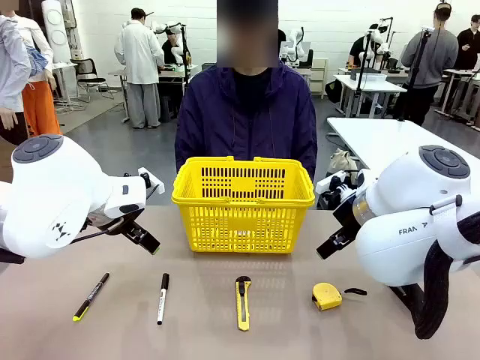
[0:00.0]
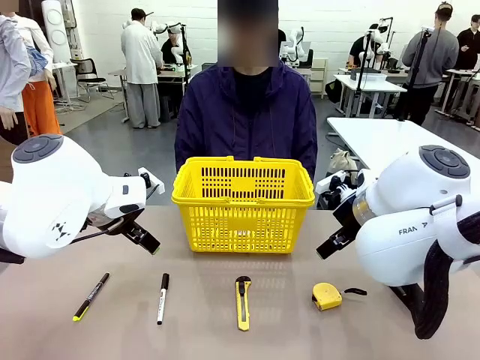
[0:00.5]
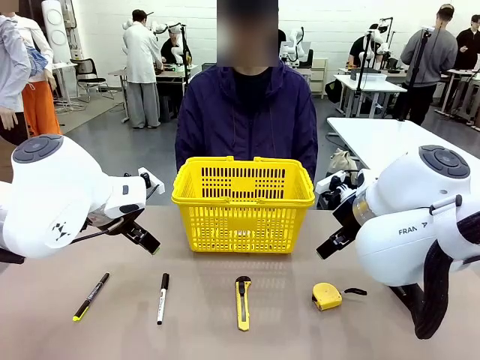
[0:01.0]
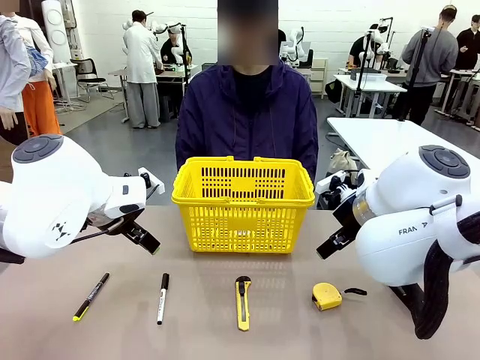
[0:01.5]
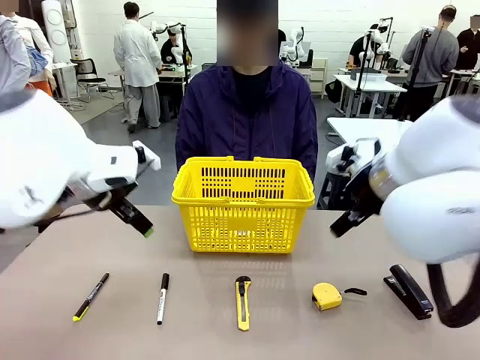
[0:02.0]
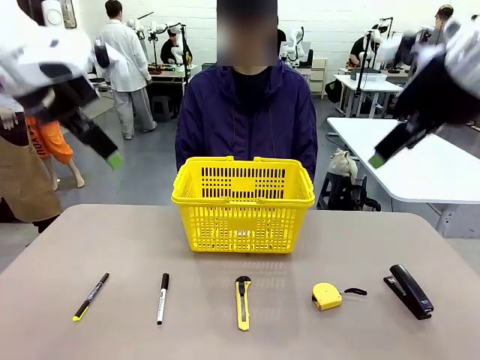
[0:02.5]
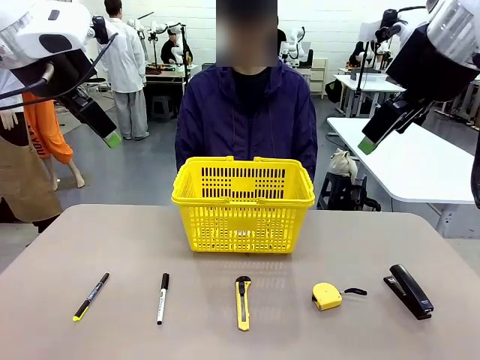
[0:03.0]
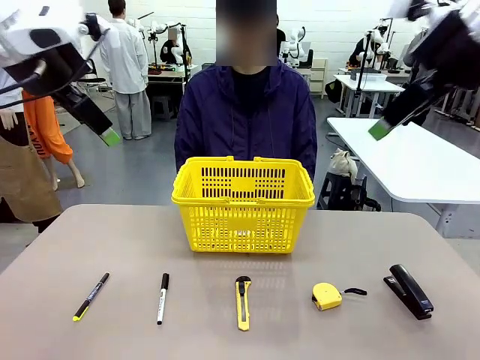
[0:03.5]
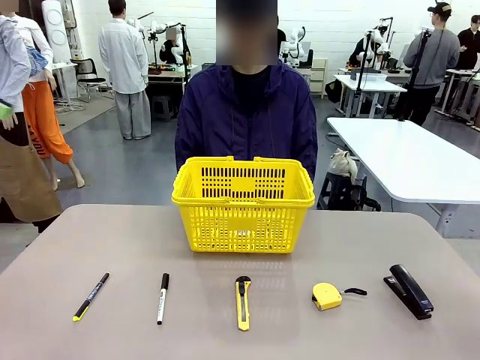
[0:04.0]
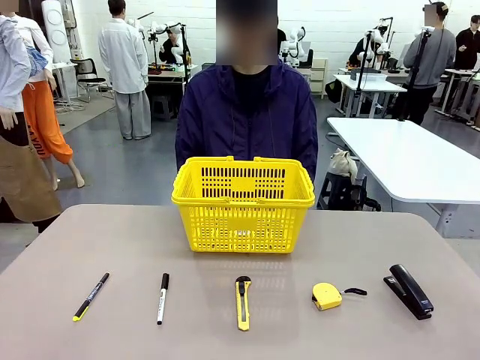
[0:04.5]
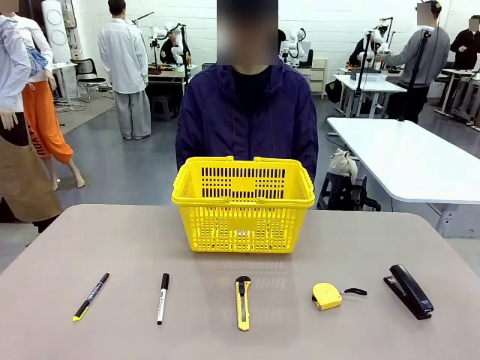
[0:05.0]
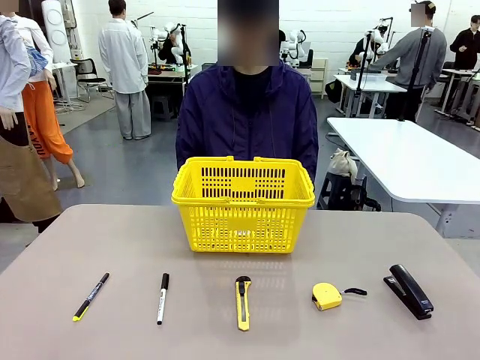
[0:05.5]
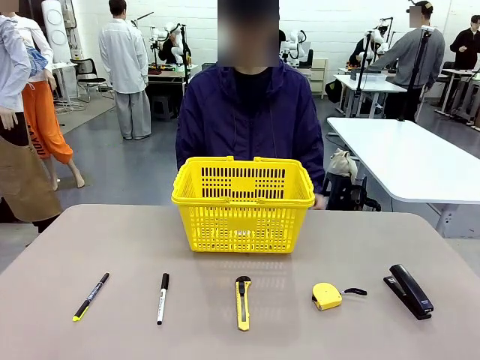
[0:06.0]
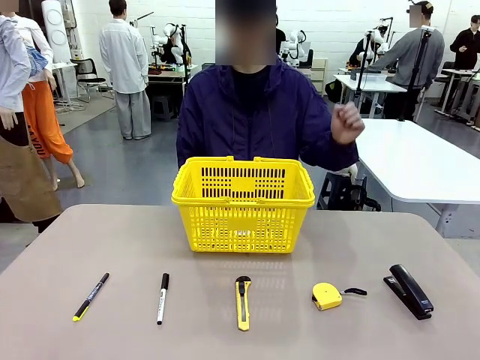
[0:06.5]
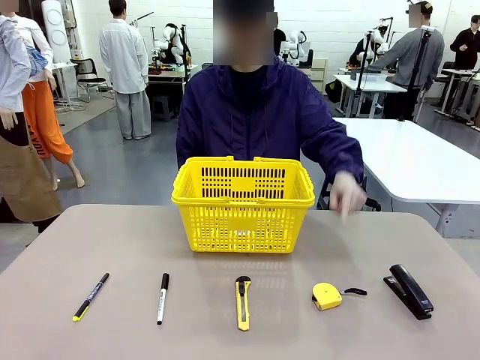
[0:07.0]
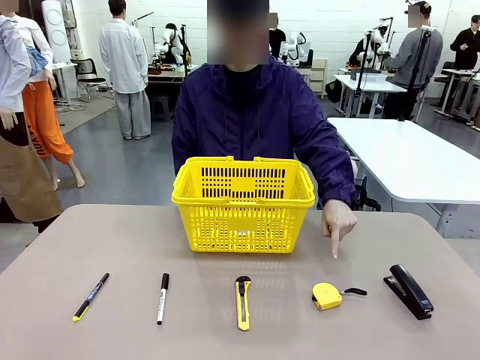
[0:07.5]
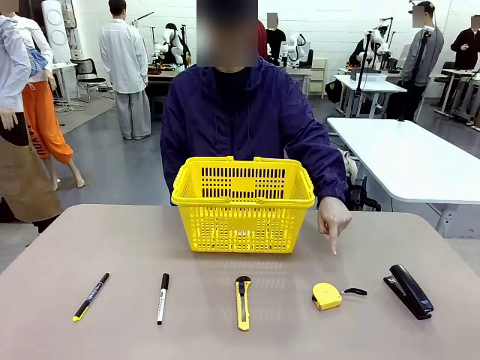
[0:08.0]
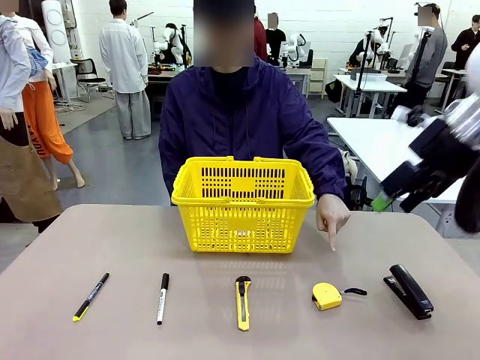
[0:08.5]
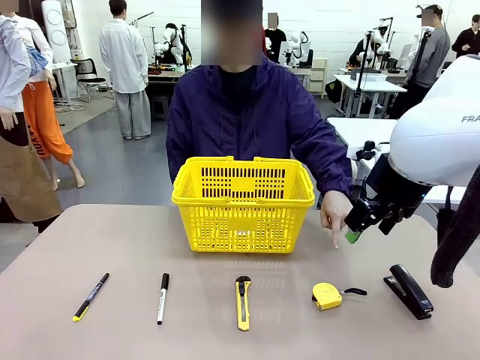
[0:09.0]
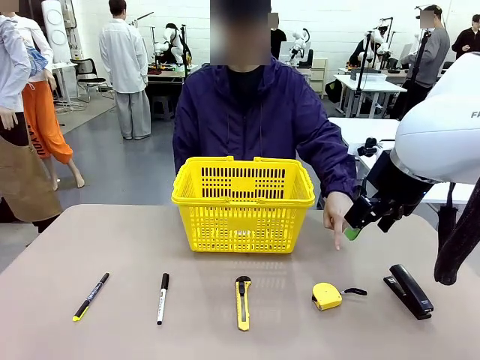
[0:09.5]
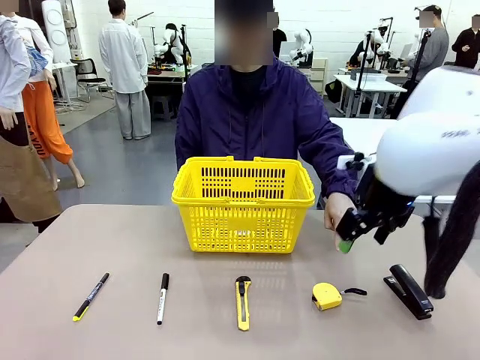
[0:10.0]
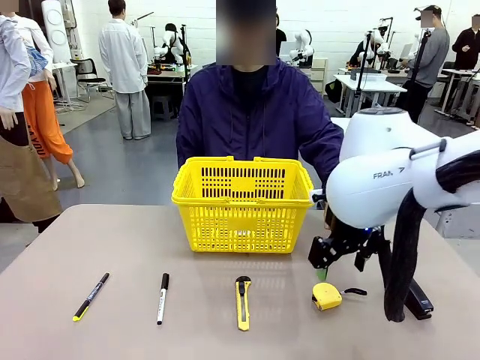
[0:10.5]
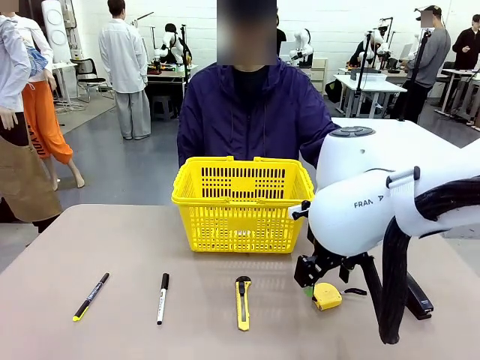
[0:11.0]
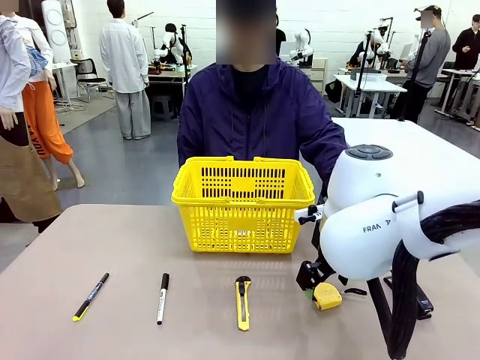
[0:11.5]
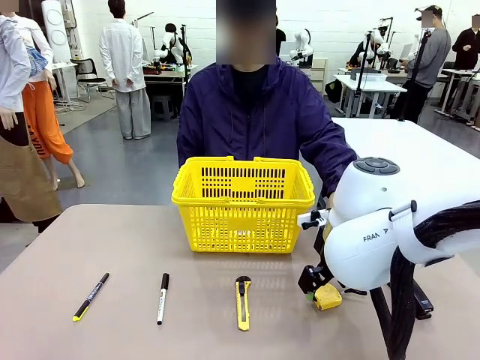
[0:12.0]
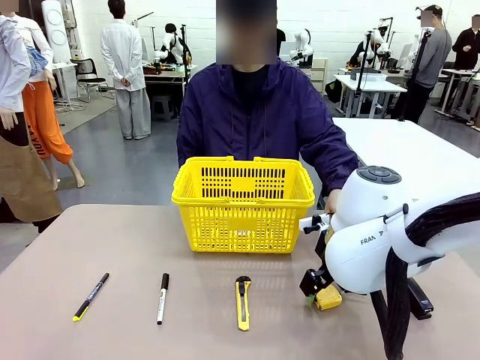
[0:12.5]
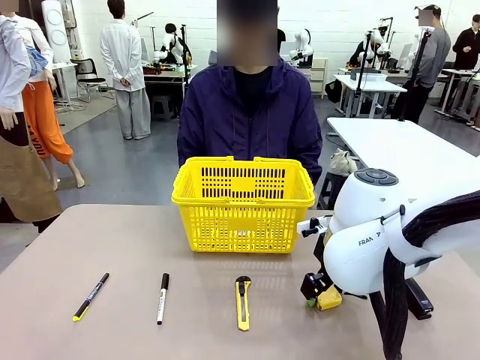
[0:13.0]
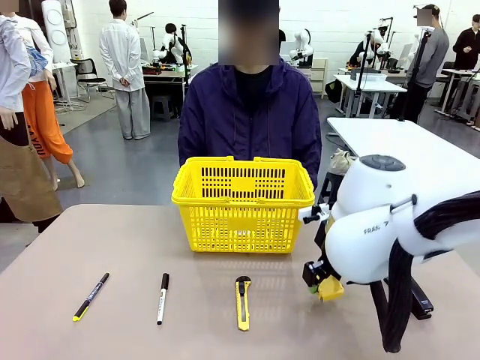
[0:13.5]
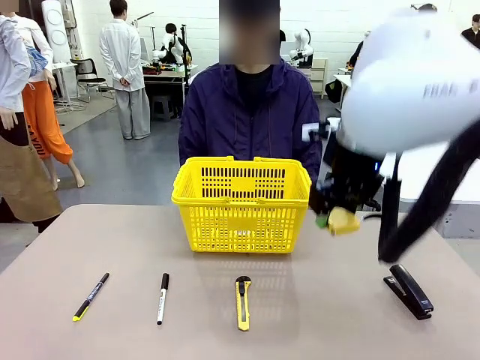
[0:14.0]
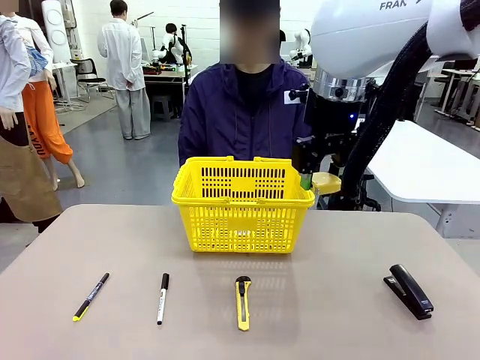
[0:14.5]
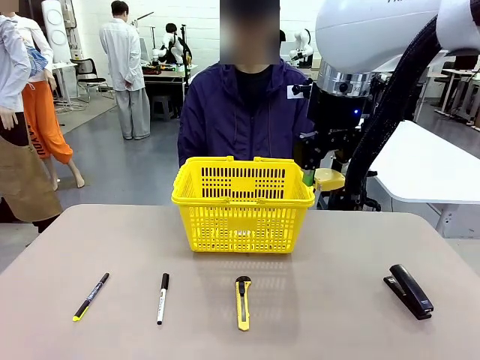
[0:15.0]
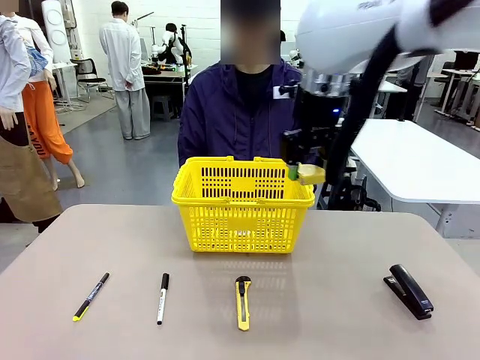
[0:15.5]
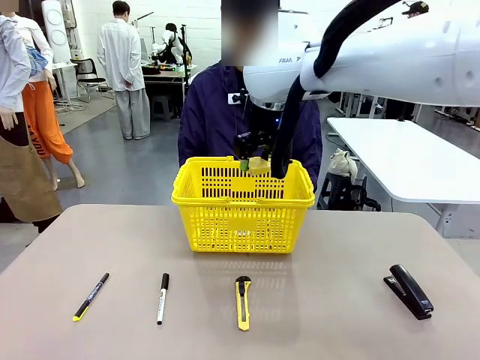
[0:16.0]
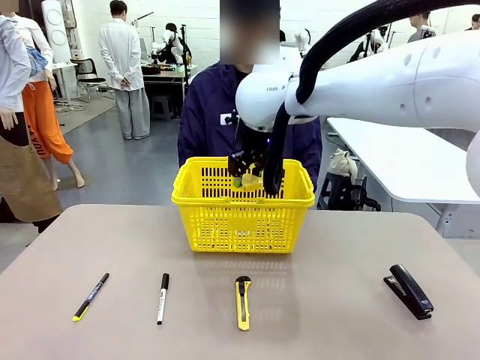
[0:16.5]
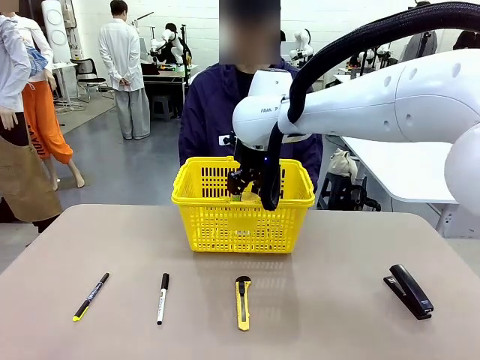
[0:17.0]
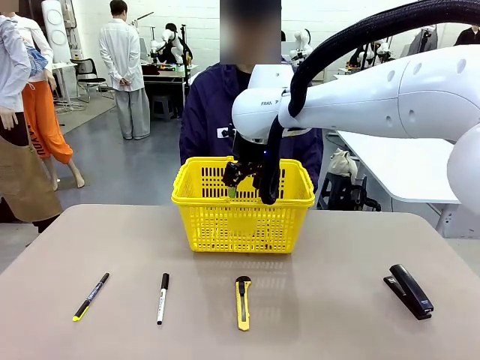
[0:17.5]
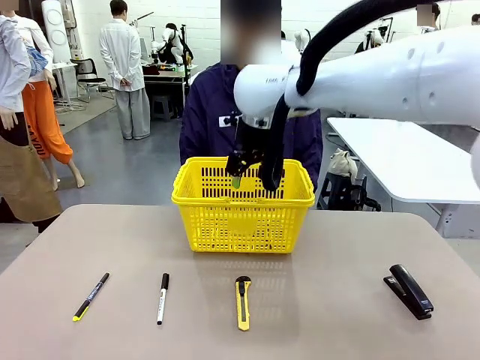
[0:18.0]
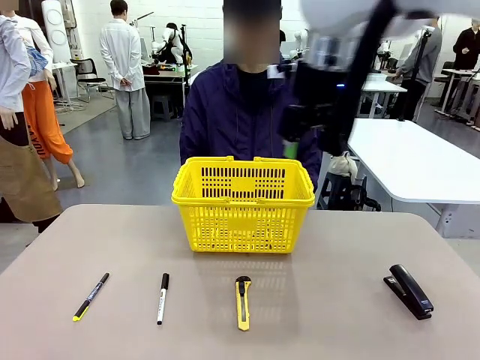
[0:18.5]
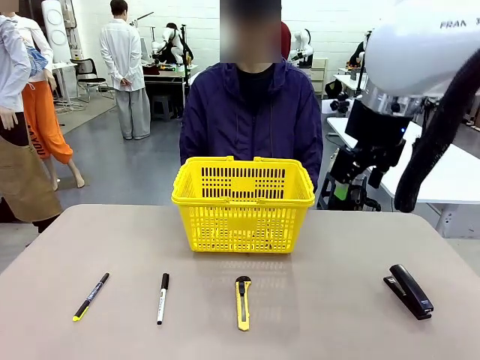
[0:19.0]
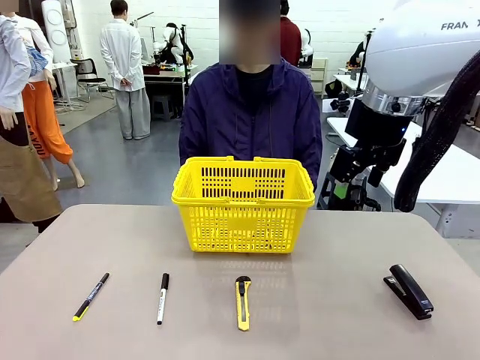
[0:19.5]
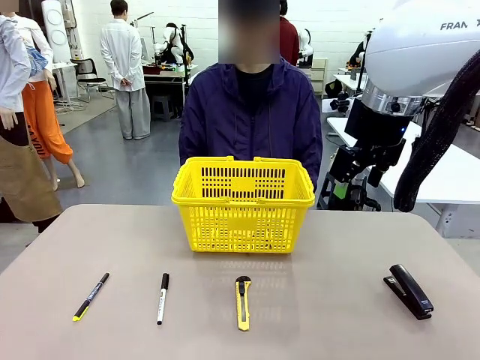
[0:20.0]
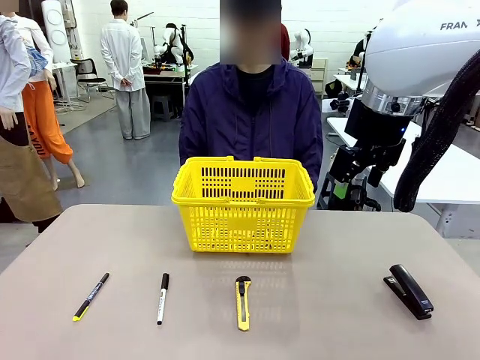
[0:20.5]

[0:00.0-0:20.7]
Task: Place the items the person wants into the basket.
Robot: Pick up the item the person points to and place it in the Market Basket.

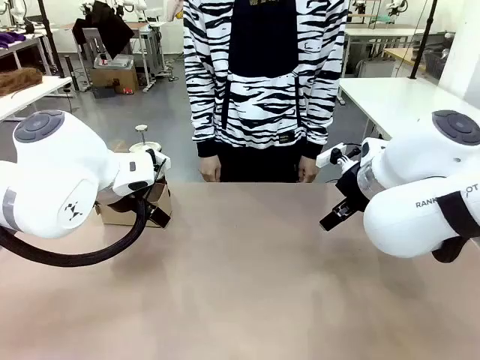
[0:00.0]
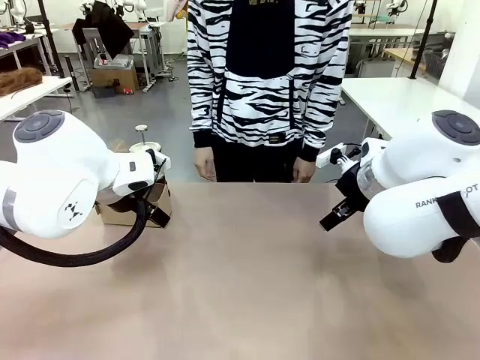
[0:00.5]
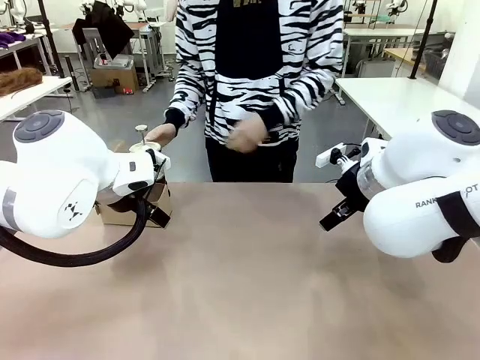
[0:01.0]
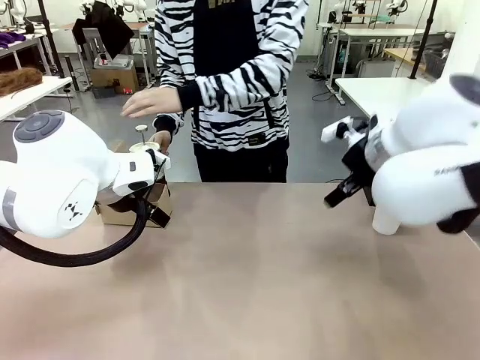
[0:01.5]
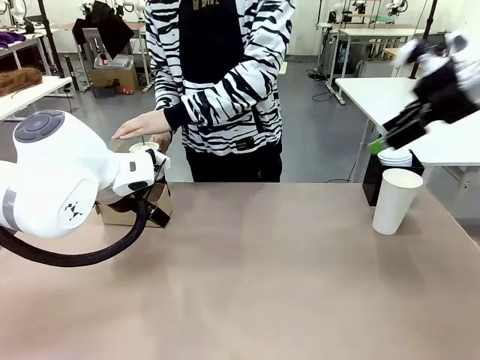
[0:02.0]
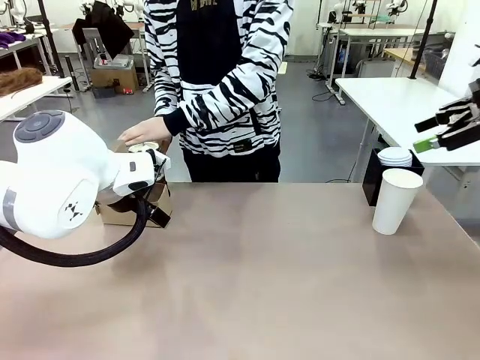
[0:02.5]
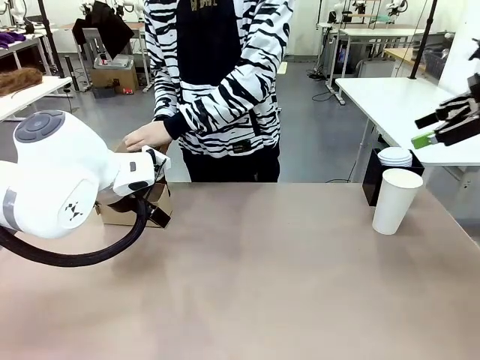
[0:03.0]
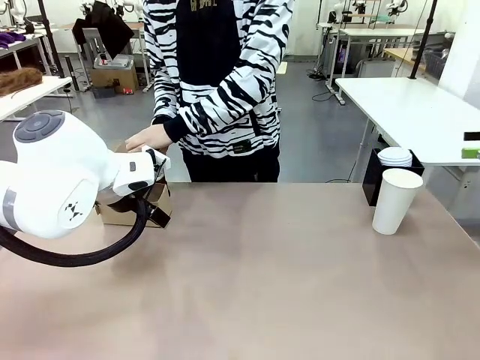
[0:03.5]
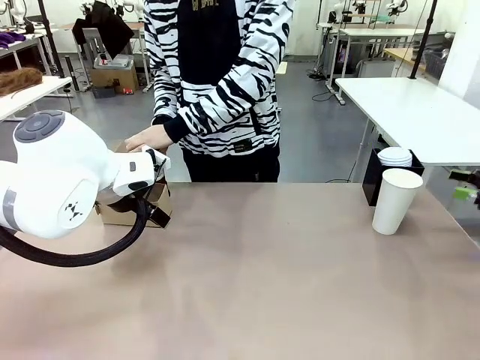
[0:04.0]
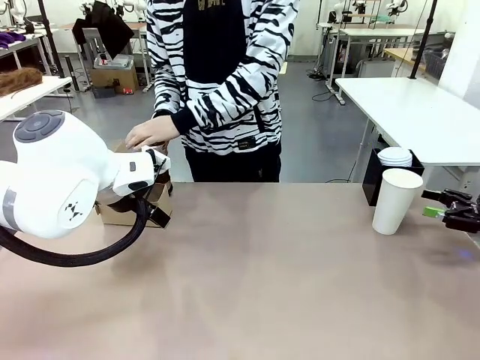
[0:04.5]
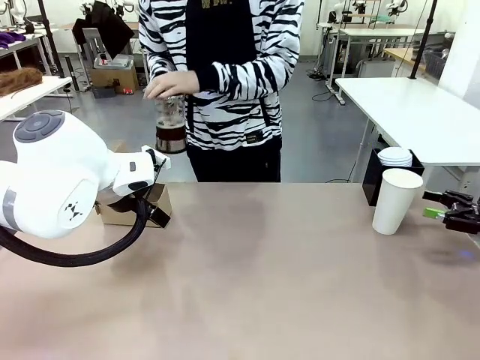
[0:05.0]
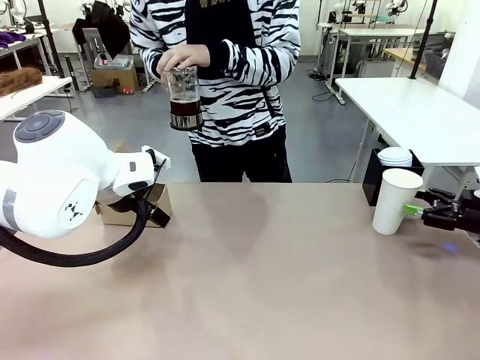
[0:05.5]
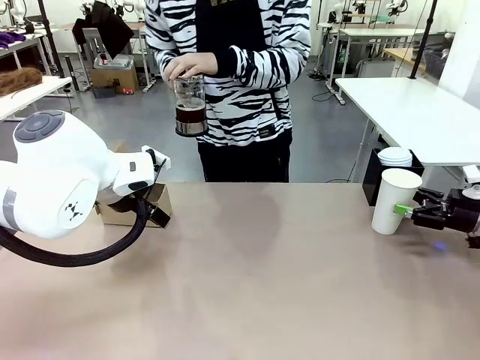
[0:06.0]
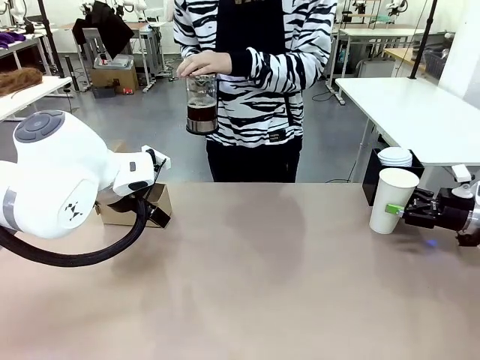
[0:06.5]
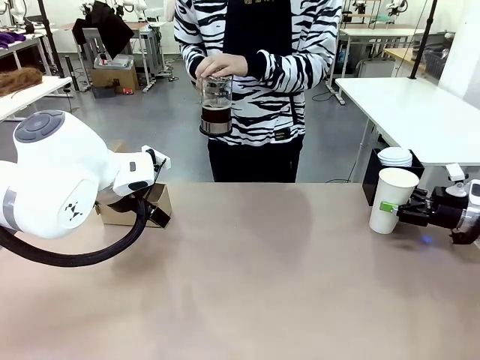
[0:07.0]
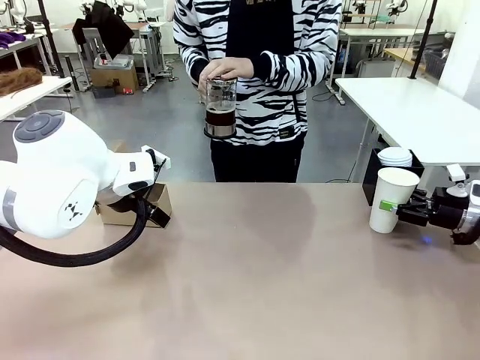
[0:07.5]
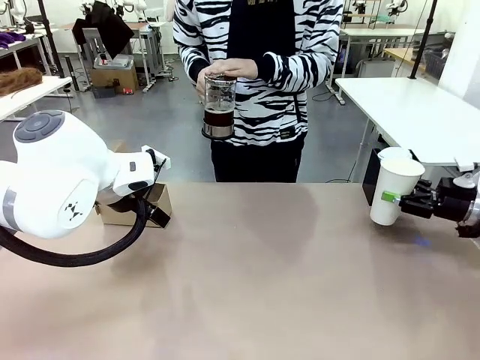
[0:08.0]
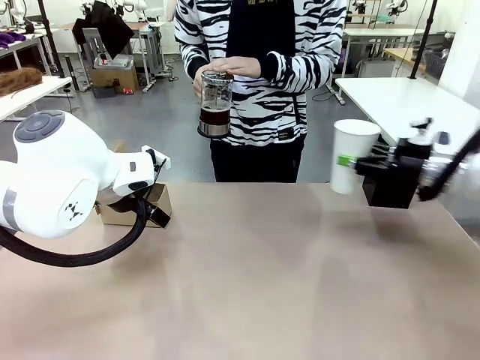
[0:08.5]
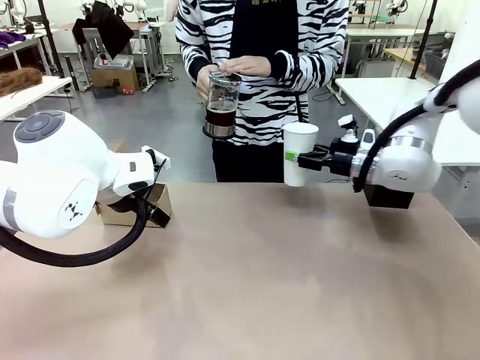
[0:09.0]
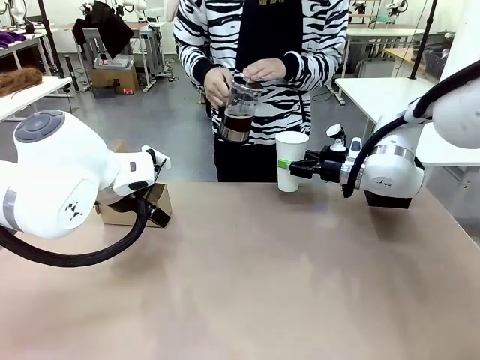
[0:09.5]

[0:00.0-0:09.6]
Task: Pour a drink into a cup and package it in a carrier.
Robot: Pick up the 600 ml Paper Cup and place it in the middle top area of the table.
Person: Press and pick up the Filter Brewing.
